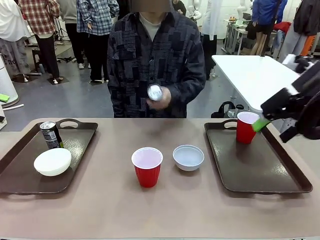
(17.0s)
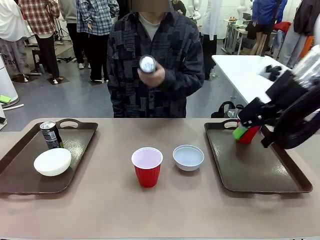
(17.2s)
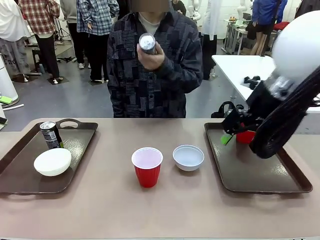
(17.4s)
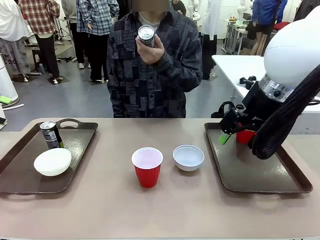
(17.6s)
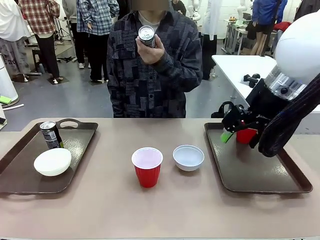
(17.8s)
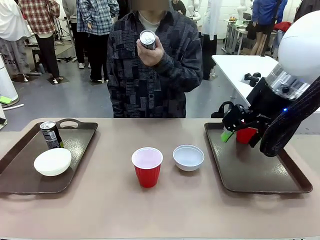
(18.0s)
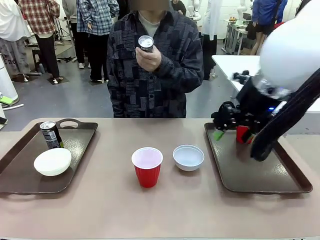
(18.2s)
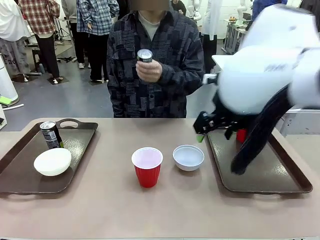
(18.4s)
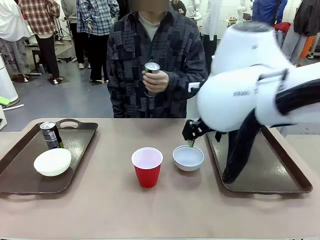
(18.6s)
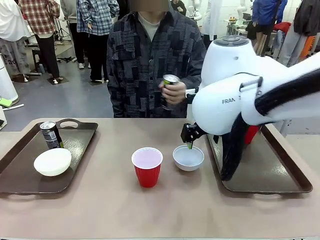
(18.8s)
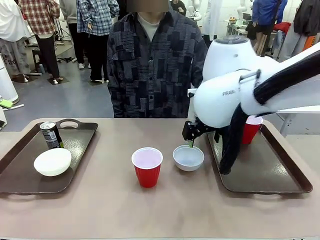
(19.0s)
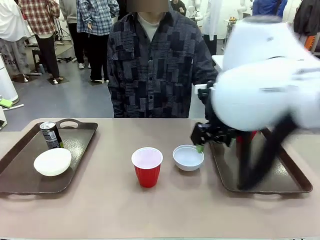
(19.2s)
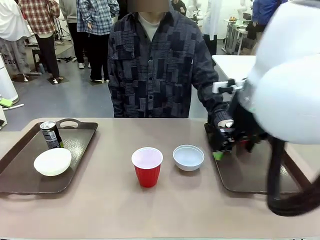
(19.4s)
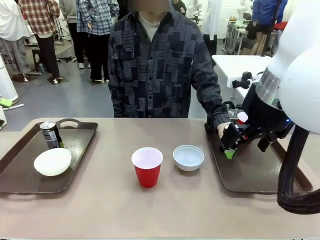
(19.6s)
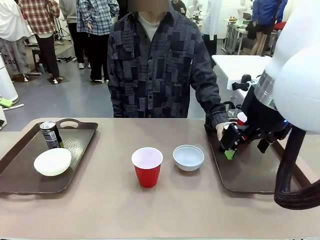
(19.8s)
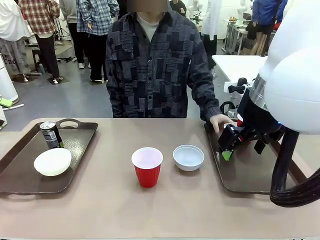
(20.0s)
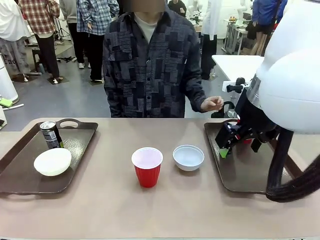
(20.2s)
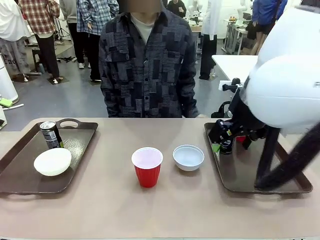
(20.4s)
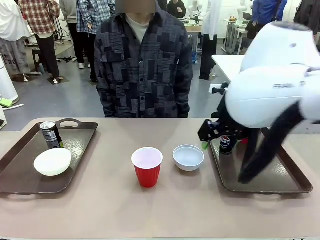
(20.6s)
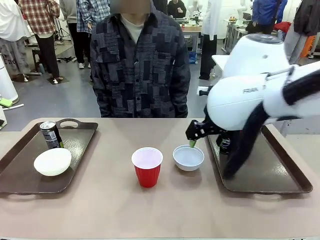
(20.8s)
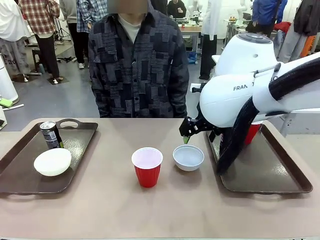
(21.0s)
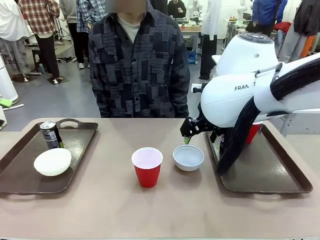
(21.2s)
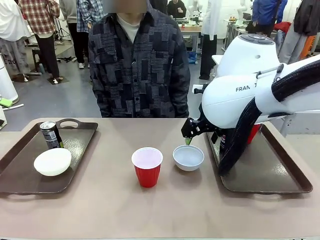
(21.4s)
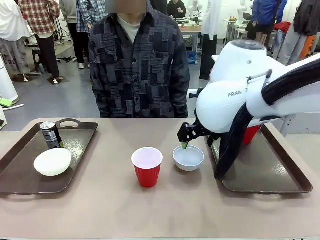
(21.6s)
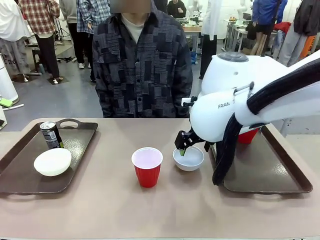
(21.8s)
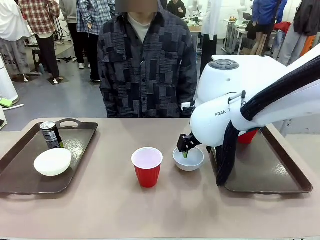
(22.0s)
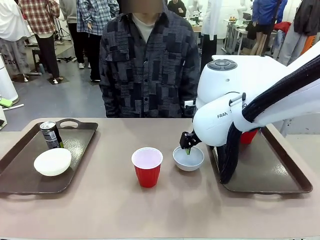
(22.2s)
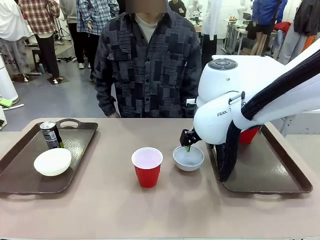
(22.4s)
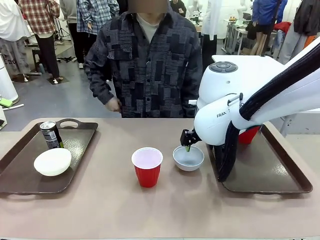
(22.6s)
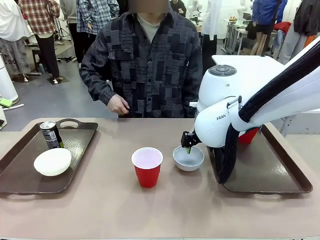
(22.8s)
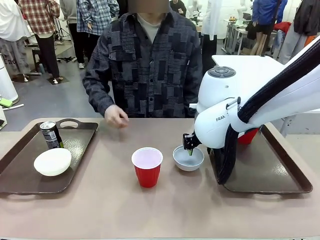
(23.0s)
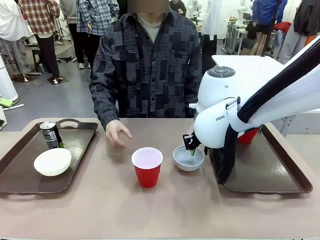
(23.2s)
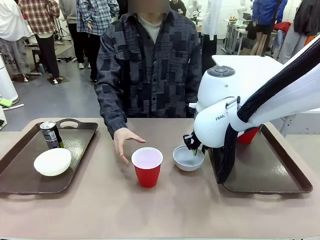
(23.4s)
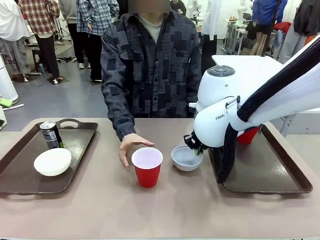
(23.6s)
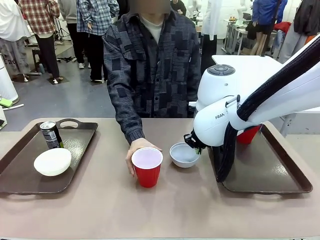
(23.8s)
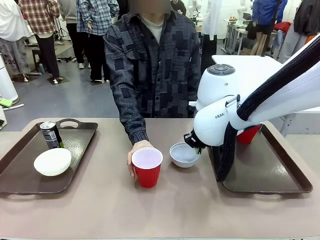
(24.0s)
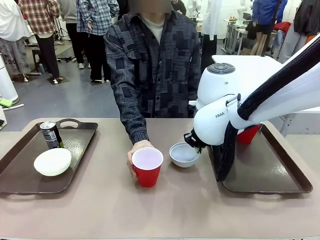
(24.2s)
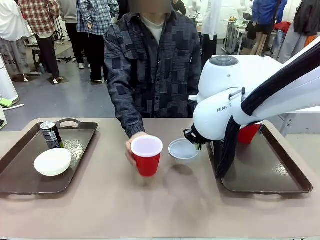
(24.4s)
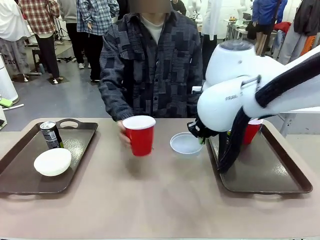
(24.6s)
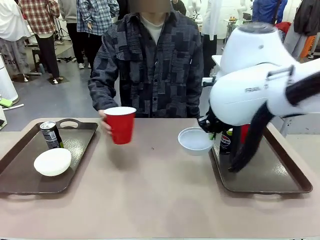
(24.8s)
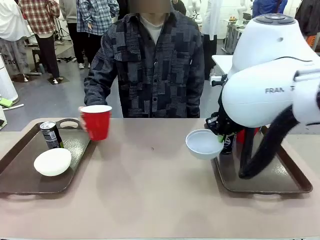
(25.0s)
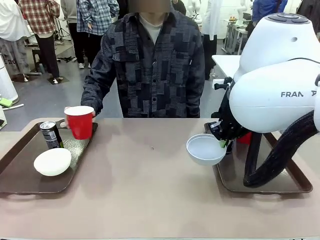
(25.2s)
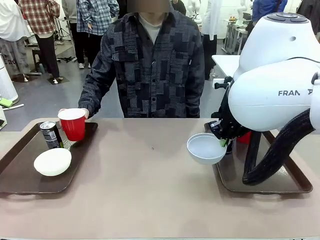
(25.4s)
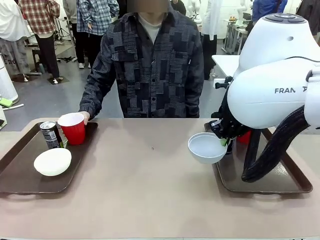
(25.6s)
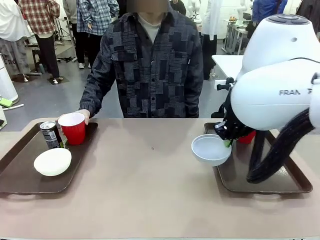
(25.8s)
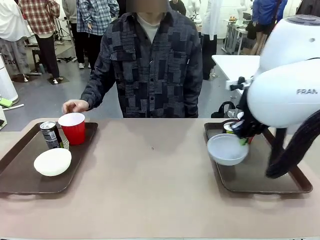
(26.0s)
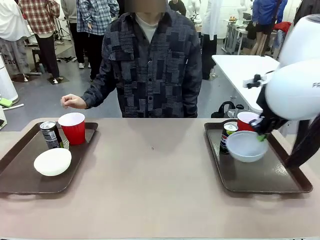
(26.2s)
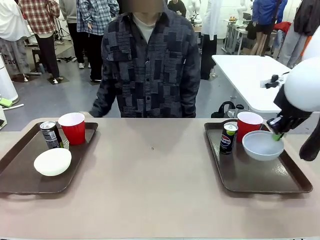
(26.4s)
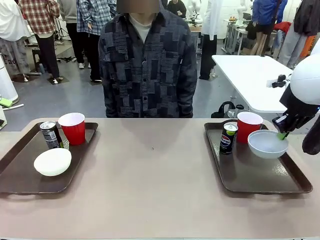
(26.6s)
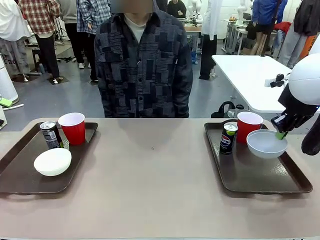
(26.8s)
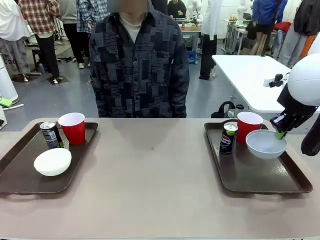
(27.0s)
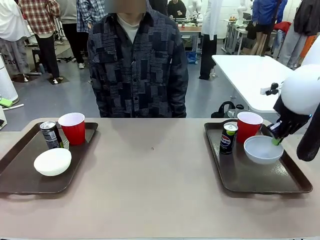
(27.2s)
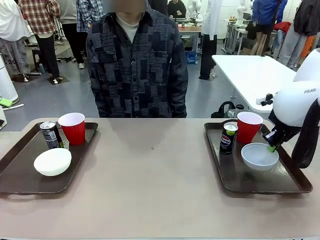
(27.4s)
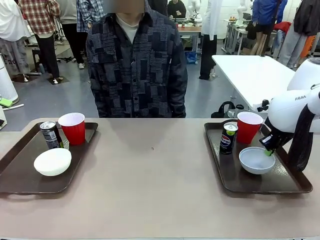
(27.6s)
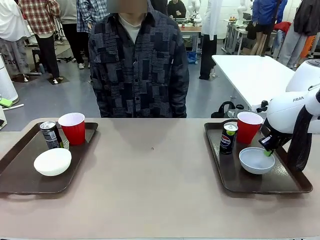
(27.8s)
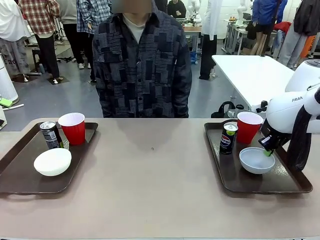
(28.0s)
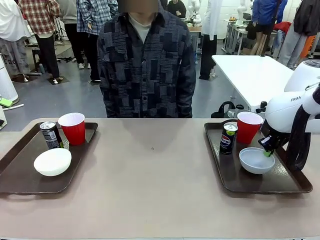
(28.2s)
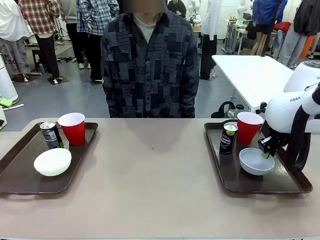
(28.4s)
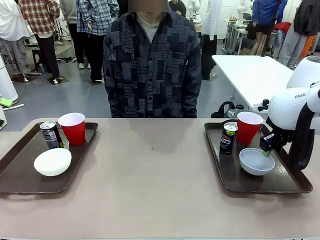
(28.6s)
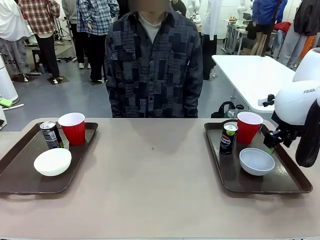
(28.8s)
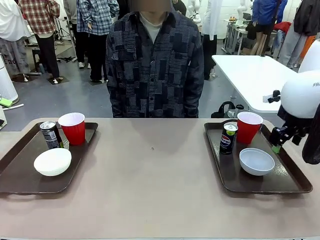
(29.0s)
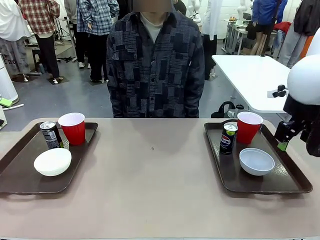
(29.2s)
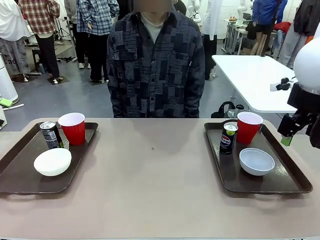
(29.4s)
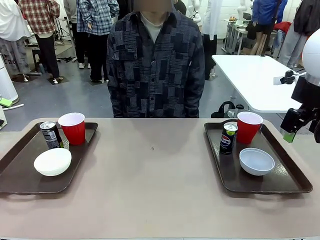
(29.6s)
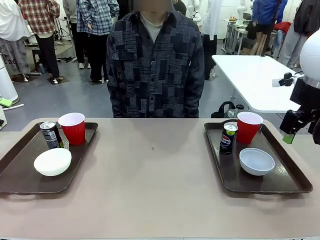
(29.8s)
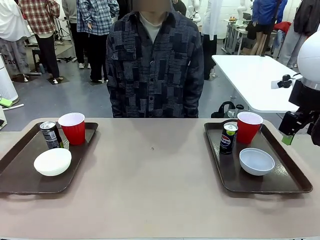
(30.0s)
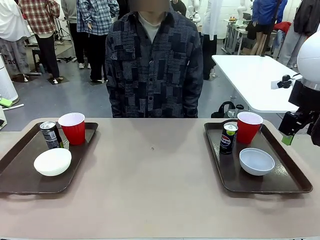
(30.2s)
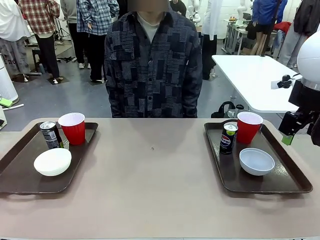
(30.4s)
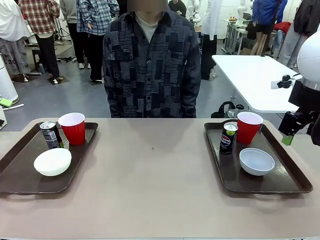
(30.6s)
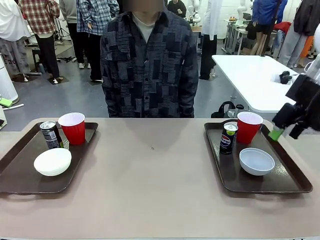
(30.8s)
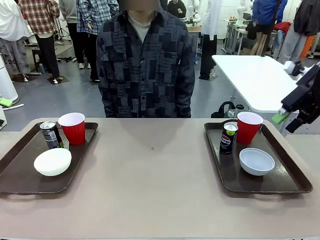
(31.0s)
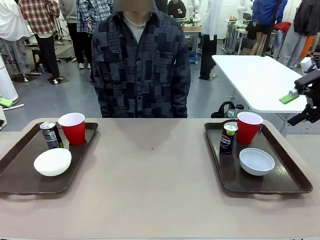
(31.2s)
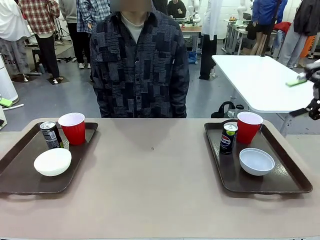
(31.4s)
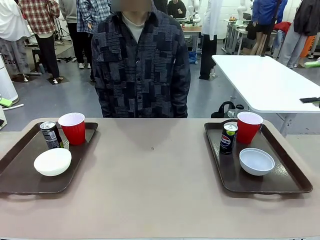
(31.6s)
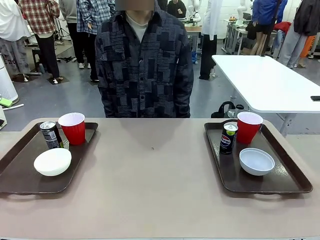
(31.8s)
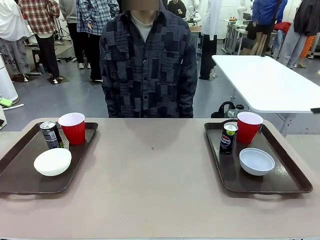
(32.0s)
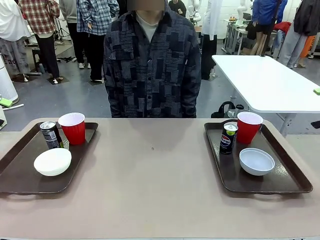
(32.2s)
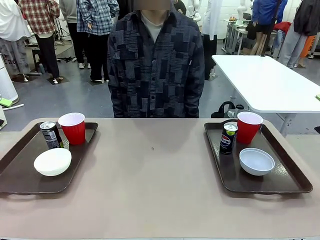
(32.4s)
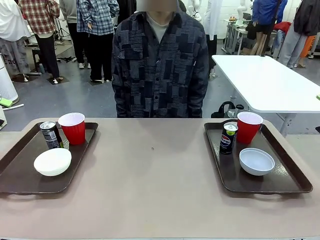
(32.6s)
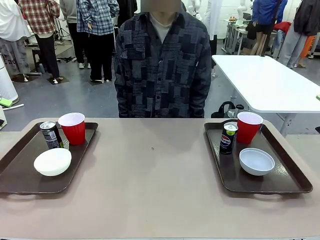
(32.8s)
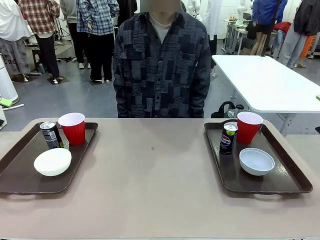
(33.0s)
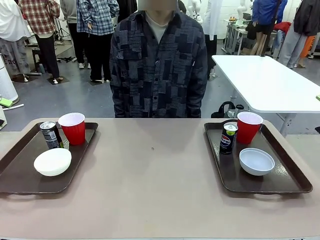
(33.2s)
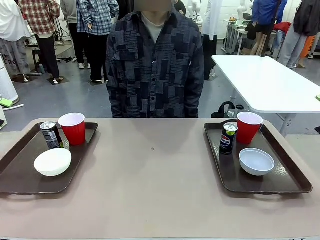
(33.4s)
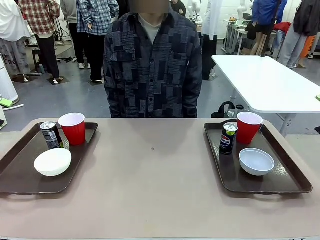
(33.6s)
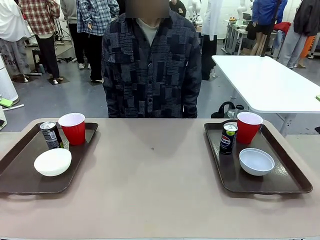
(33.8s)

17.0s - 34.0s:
Task: Prepare tableware on both trays.
Robot: Pick up a Picnic Bowl from the table and place it on a Handle tray.
Person: Pick up a can or cup and place it on the tray without a can or cup.

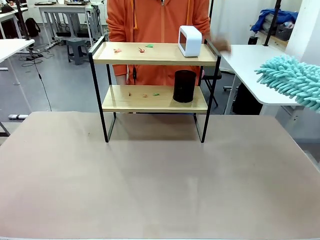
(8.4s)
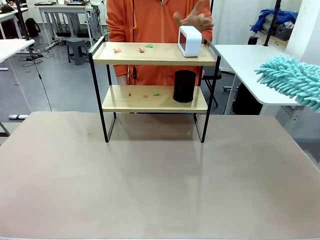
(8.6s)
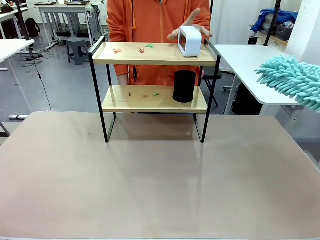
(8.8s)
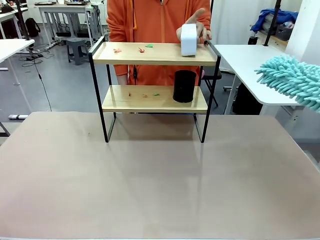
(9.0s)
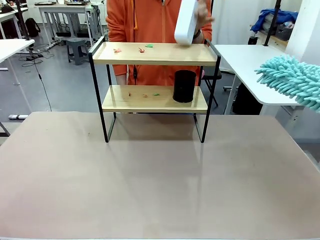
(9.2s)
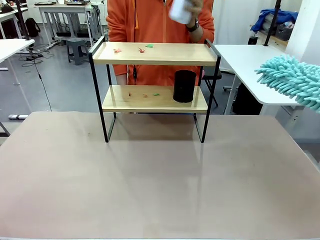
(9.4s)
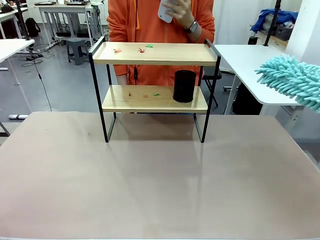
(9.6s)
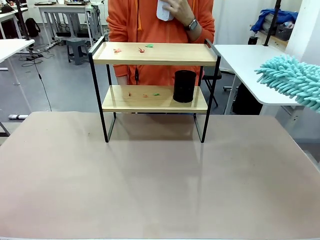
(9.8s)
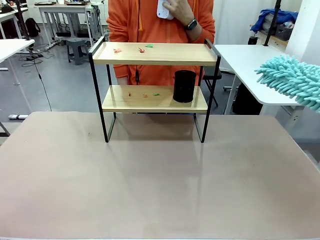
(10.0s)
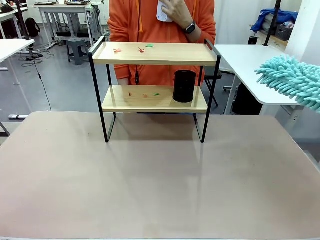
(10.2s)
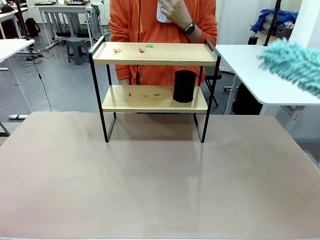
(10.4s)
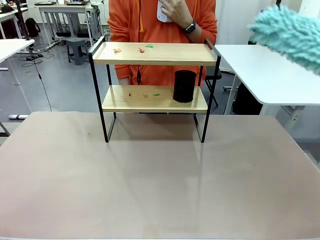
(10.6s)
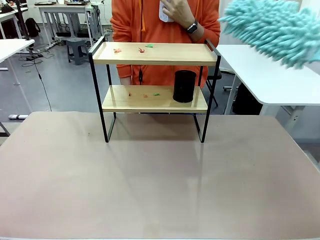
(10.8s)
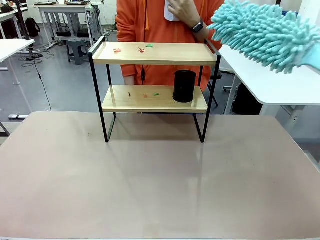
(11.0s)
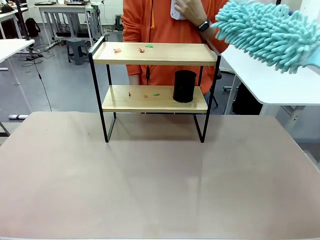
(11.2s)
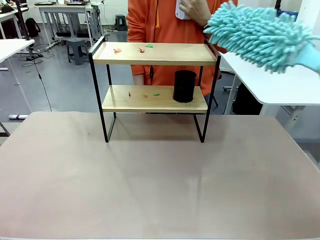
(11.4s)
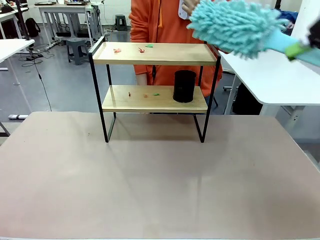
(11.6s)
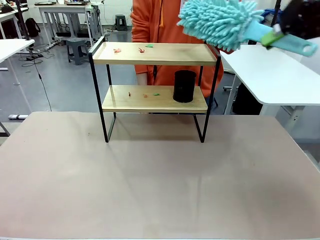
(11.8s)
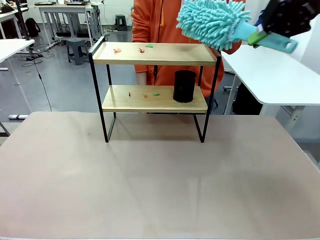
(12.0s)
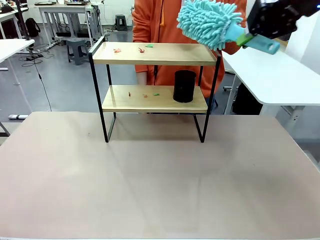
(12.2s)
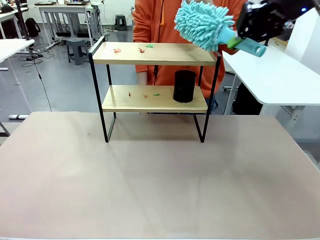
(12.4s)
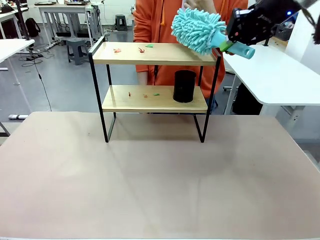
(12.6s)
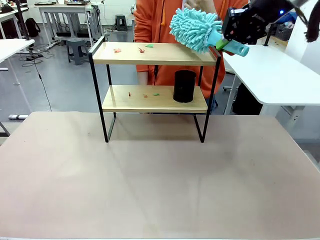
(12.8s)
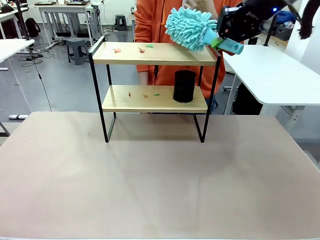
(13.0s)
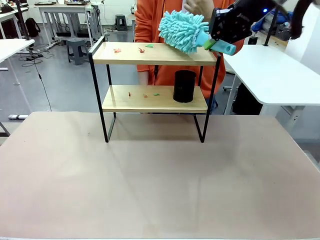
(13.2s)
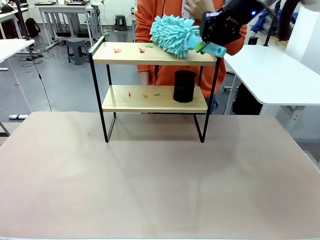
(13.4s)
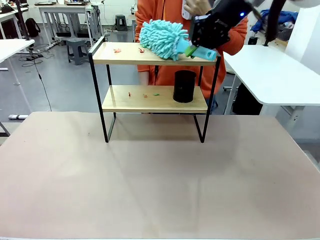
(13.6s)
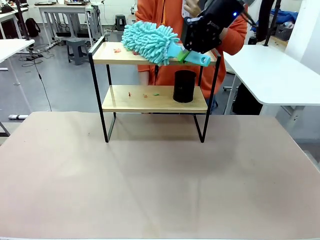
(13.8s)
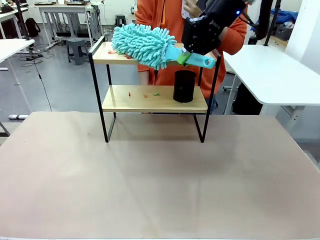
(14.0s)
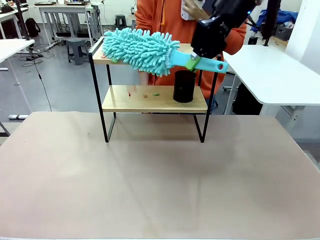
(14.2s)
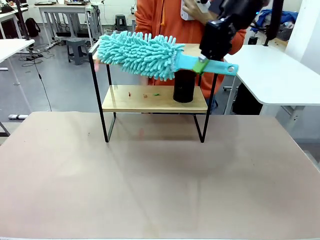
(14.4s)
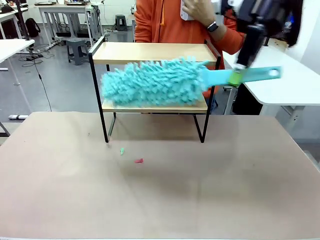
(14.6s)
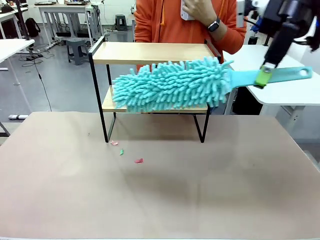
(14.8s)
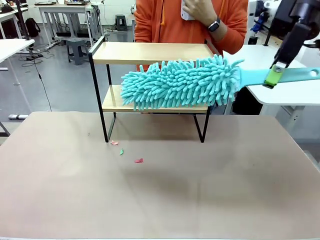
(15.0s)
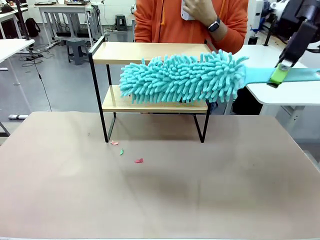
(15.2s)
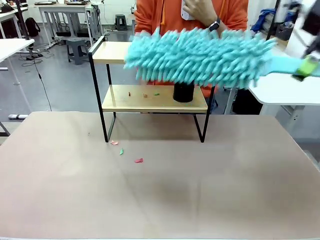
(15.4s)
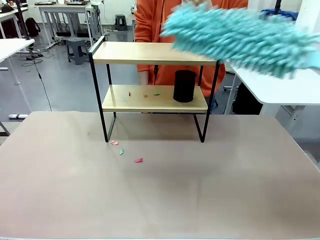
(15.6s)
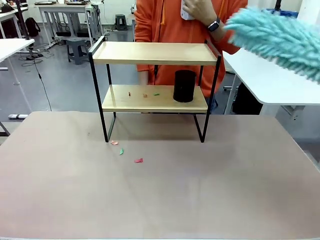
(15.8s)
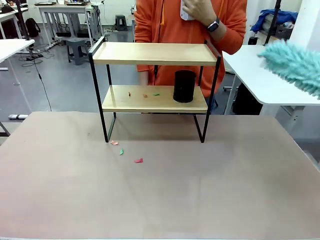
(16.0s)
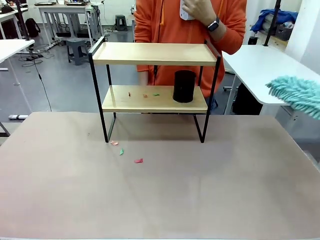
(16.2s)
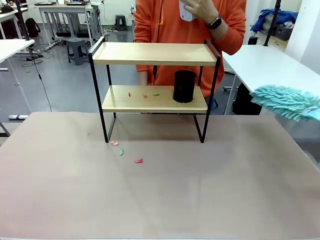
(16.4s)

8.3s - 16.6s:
Task: Clean the shelf.
Robot: Clean the specific tier of the Shelf with the Duster once objects are removed.
Person: Lift the objects on a randomly selected tier of the Shelf. Once the robot finishes cleaning, lift the objects on the remaining tiers of the Shelf.
